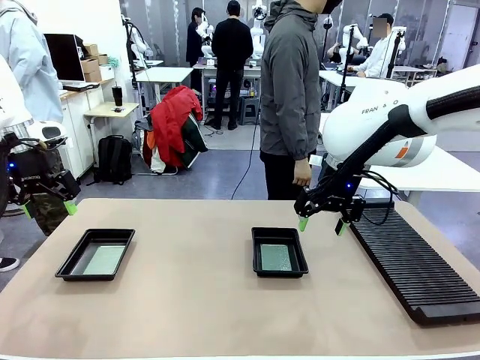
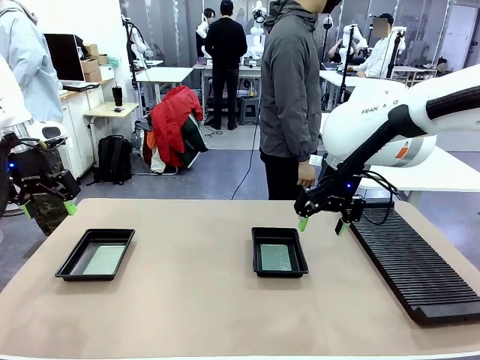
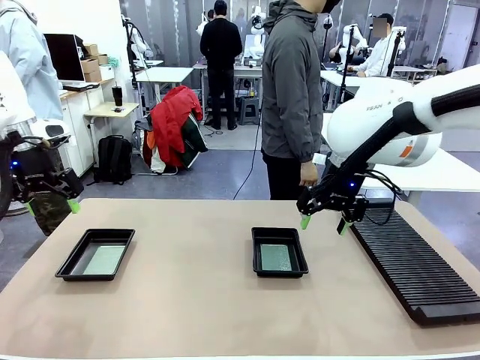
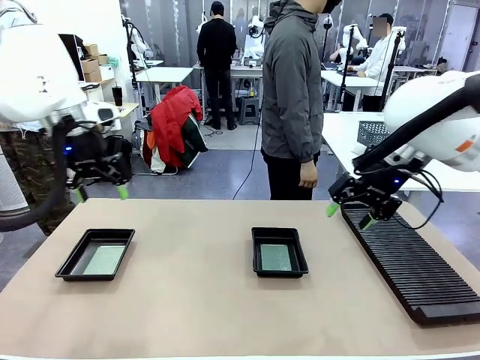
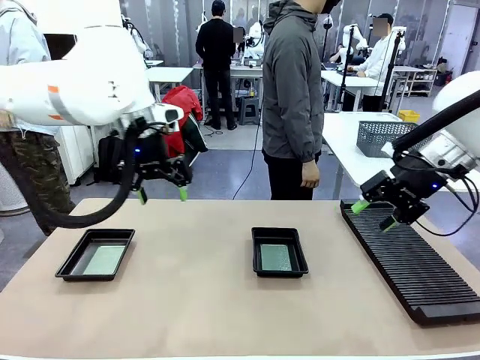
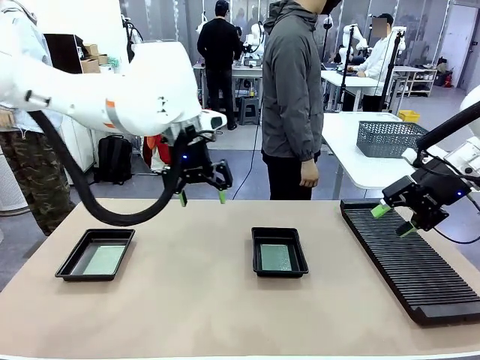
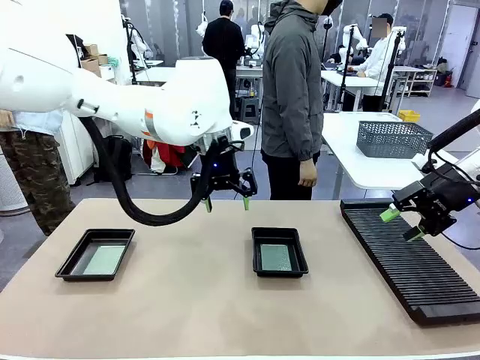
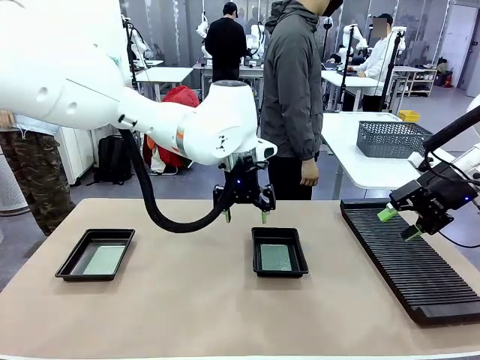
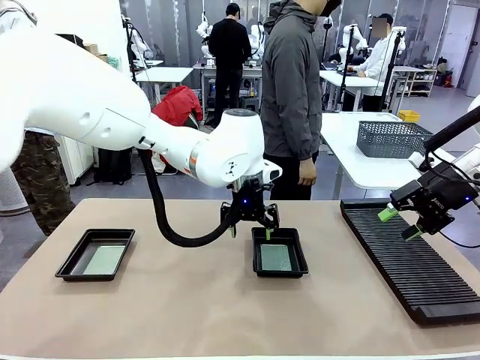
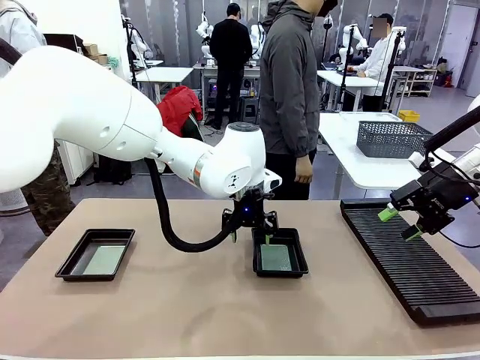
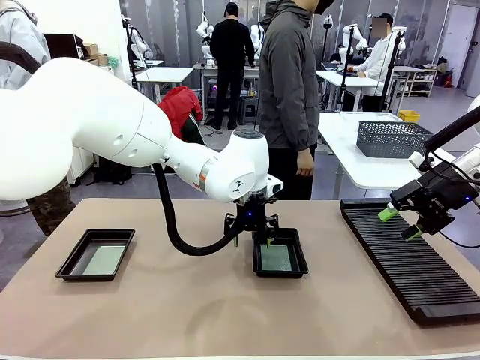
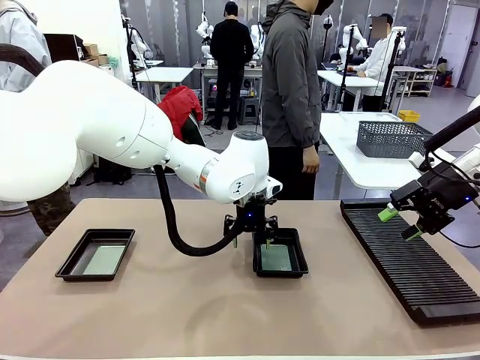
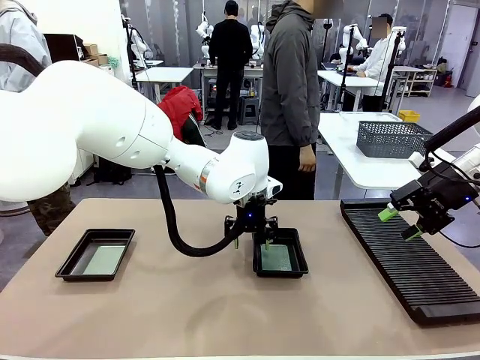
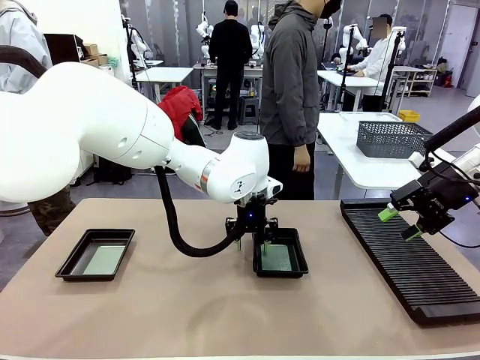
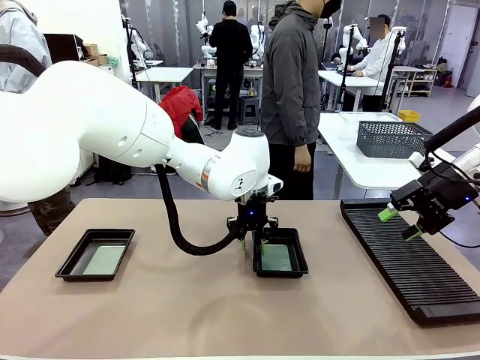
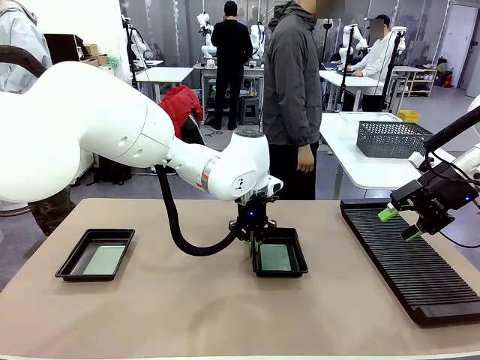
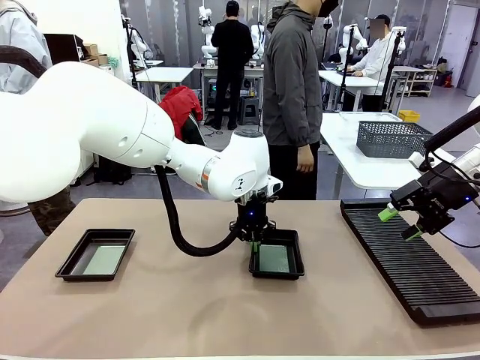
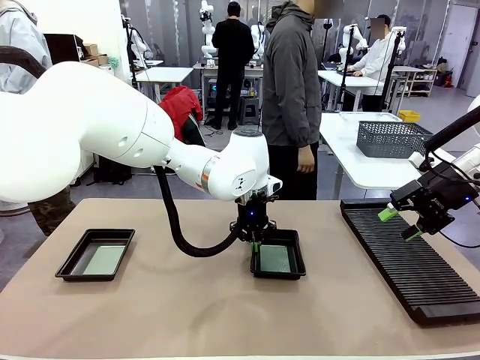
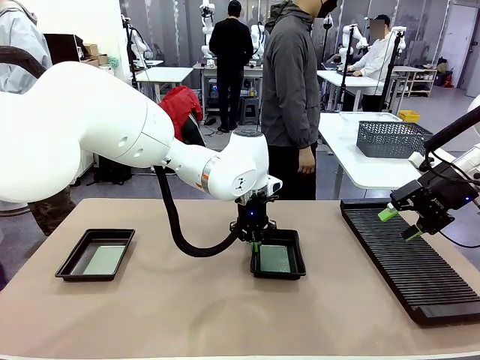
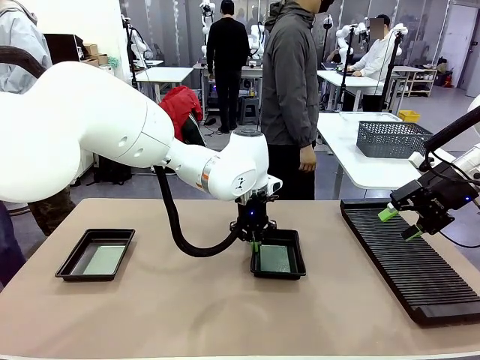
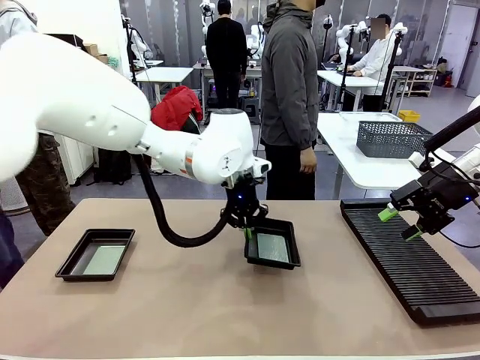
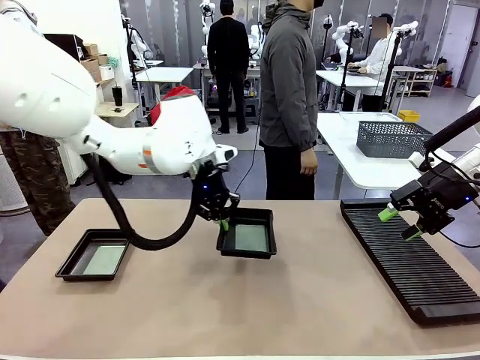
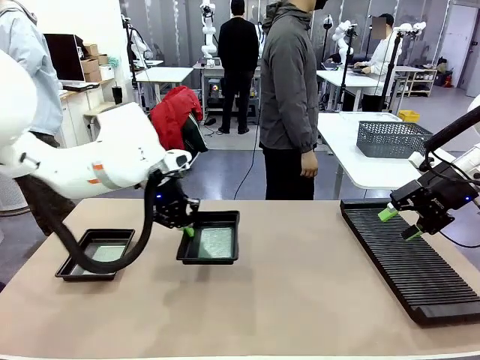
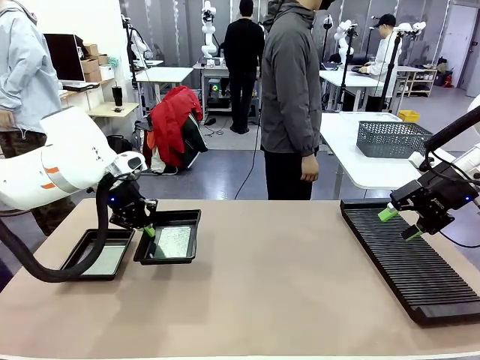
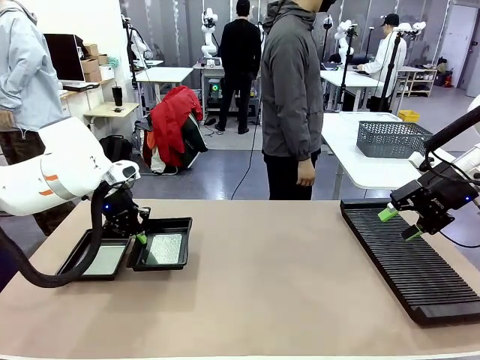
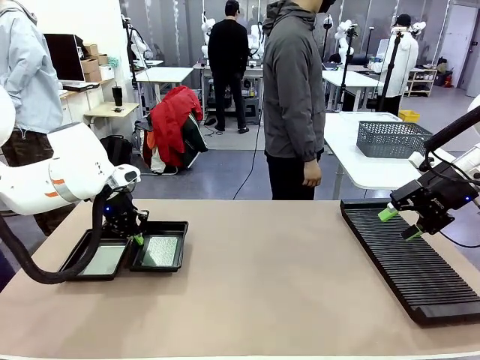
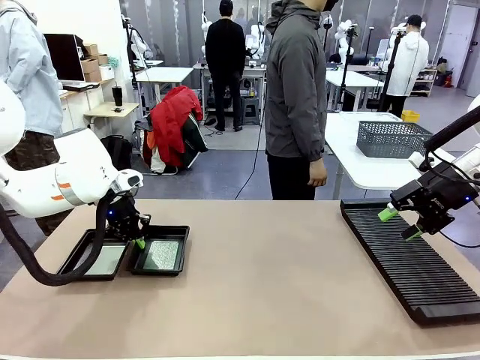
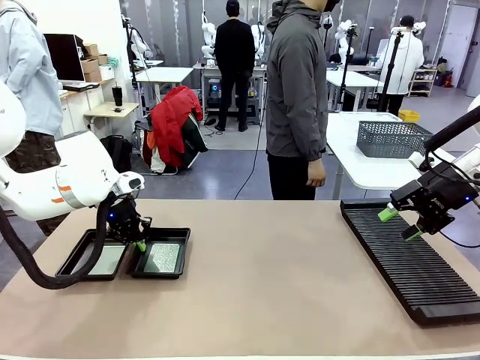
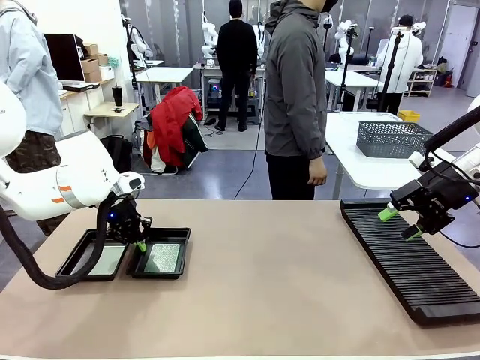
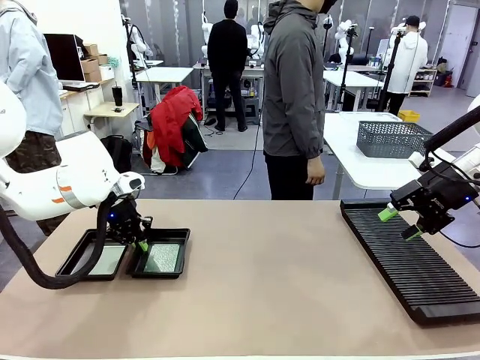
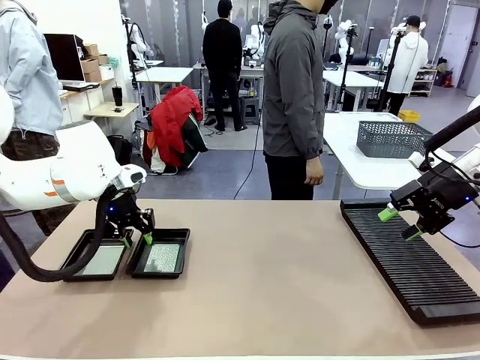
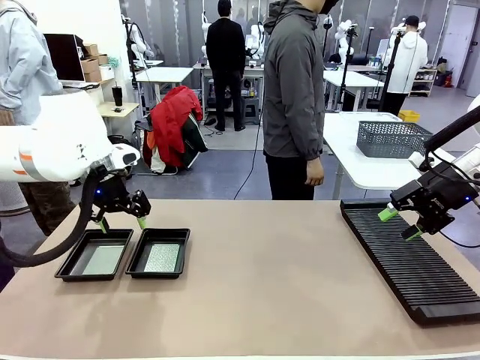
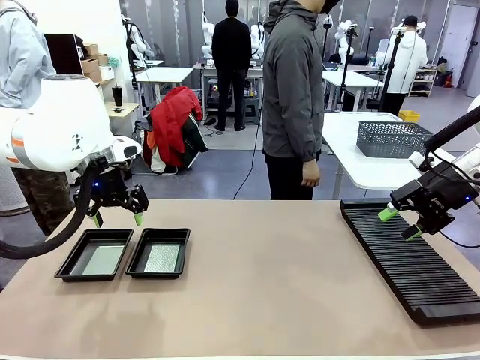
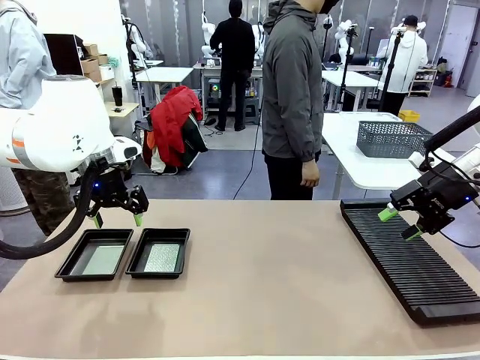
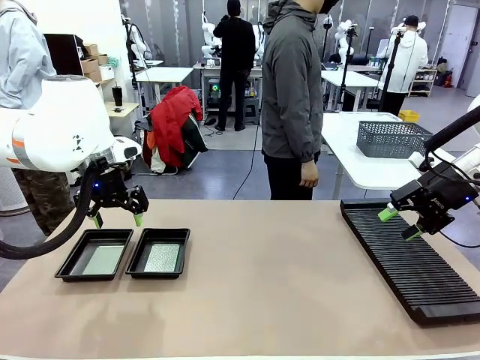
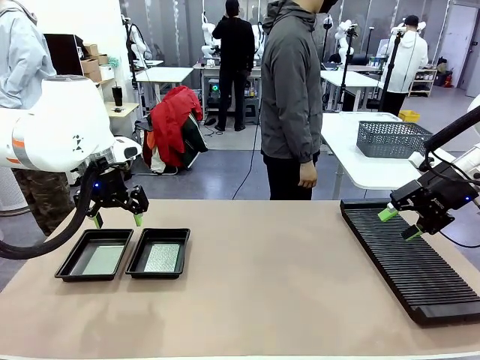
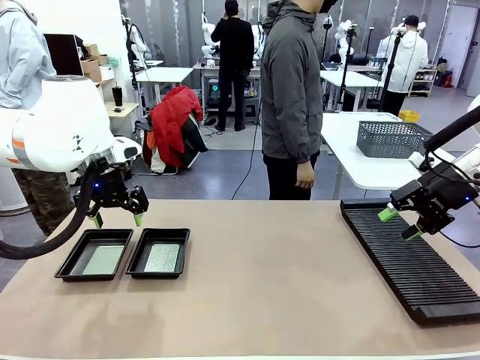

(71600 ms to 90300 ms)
Task: Inspect and transfer BCBs to ESD trays.
Robot: Pick up the ESD tray and place it on the left side of the table.

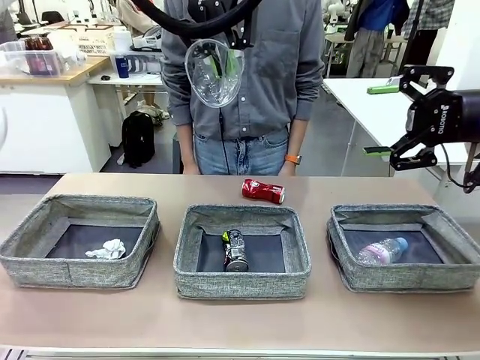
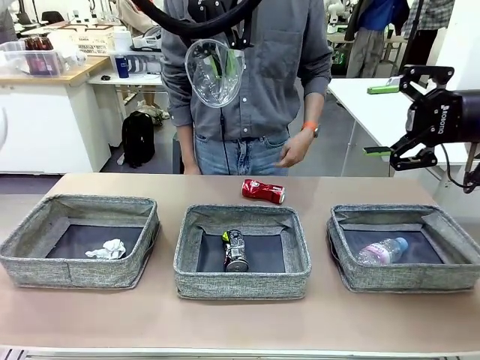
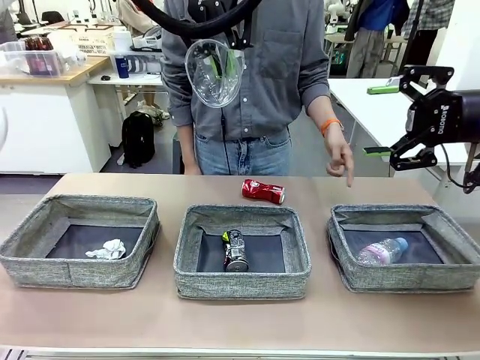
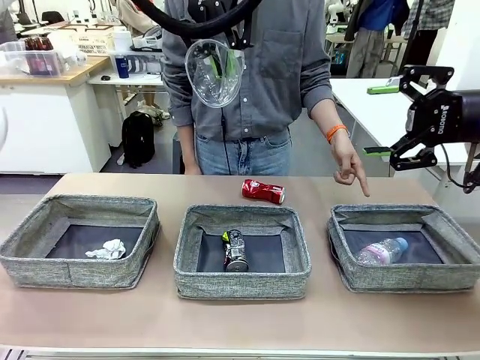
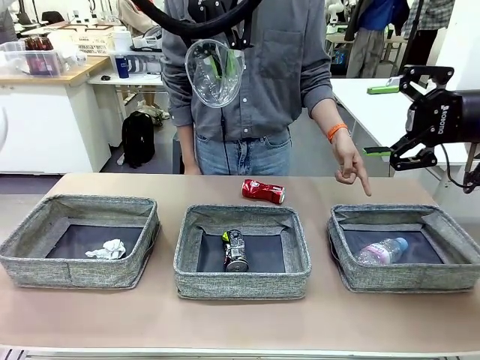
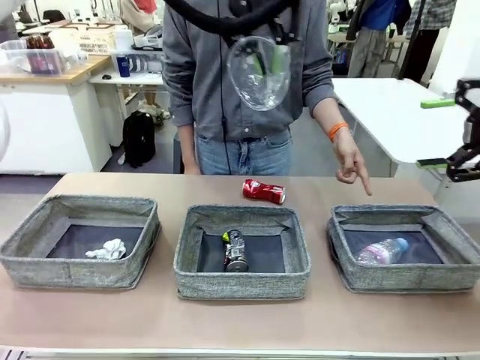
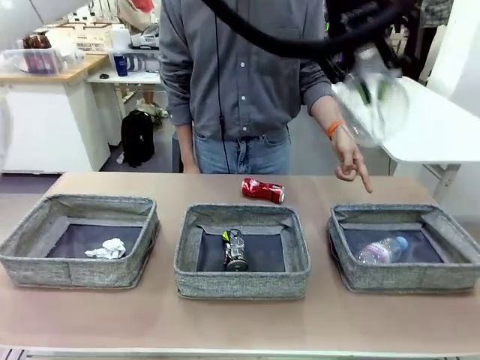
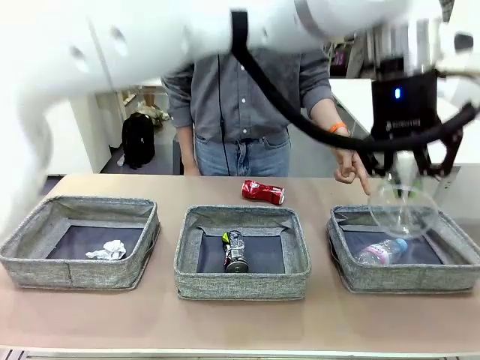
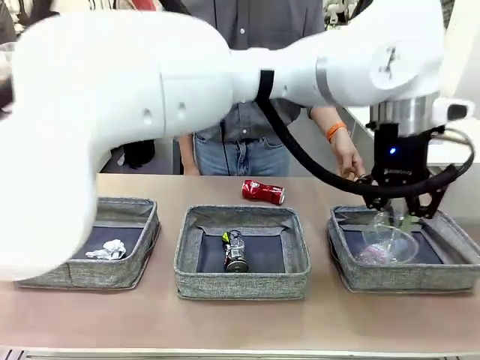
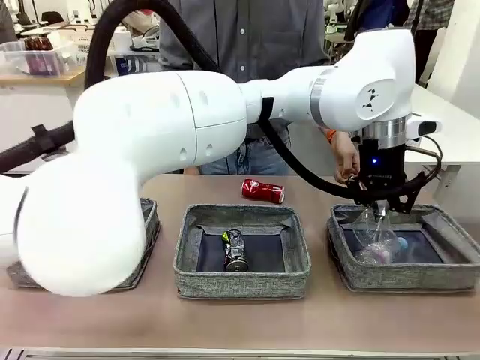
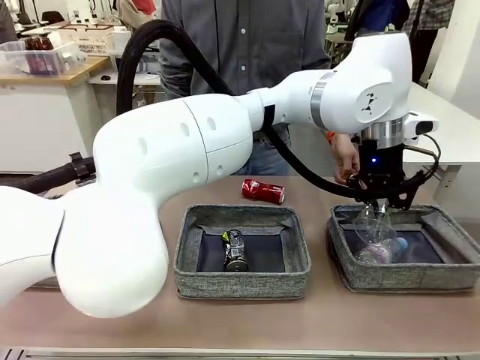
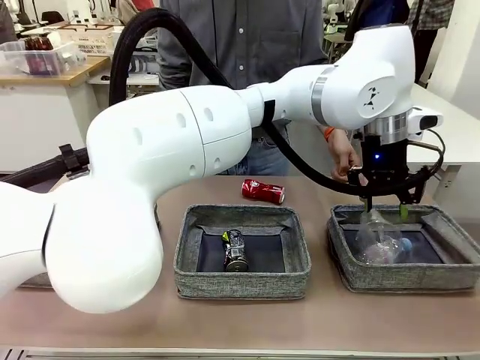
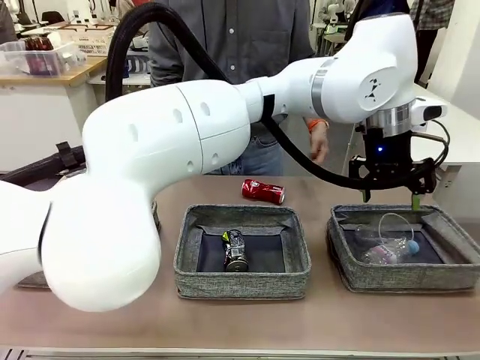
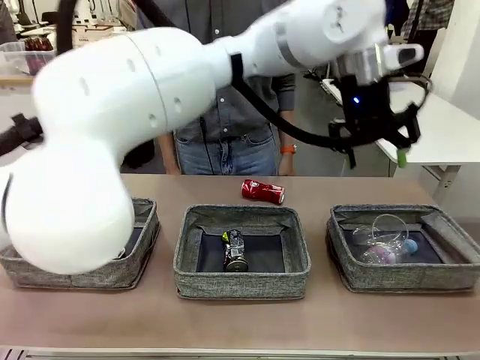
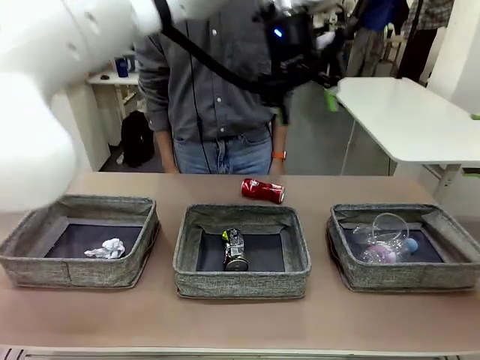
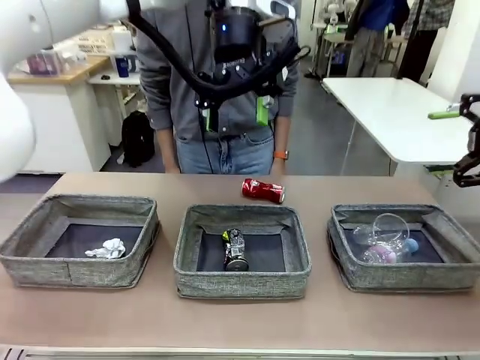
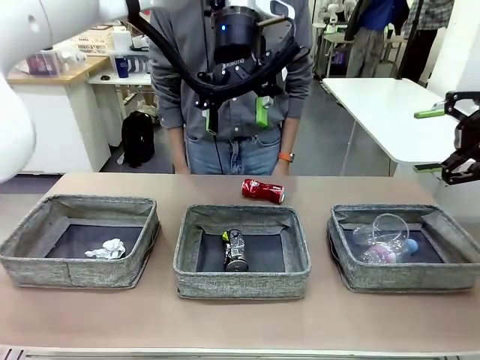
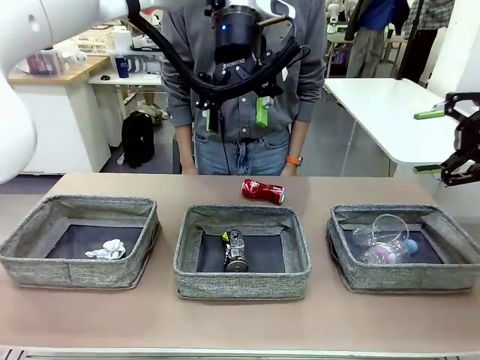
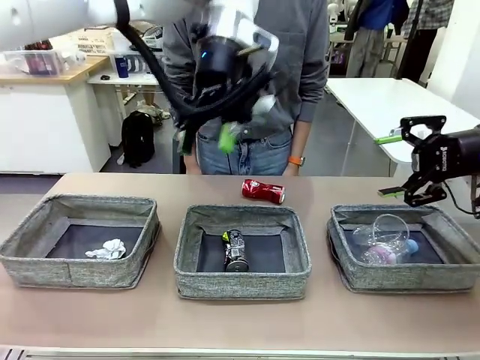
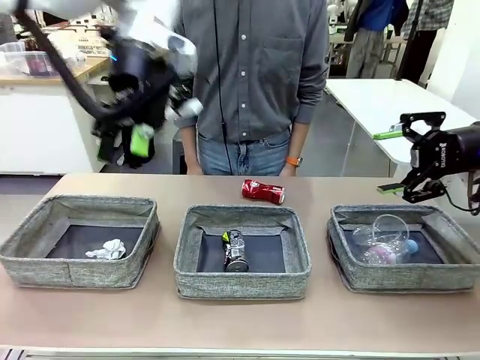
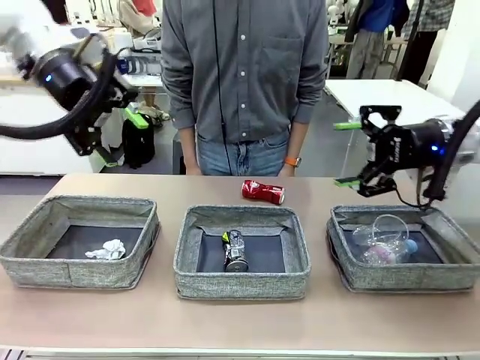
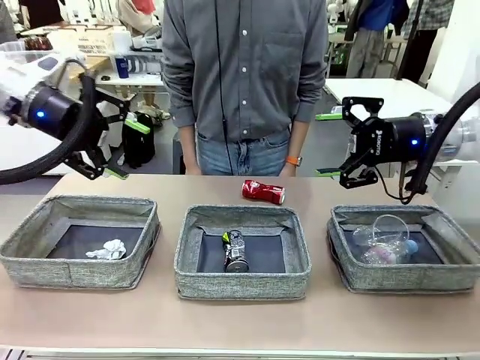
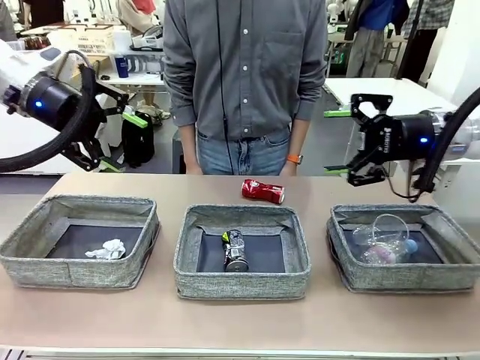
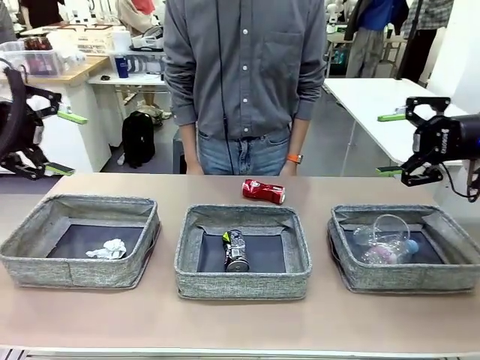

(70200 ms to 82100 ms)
Task: Sort the waste into the appropriate baskets.
Robot: Place the picked waste into the Fabric basket indicated by the person.
Person: Instructs the robot to place the picked-up trash into the appropriate organizing basket.
